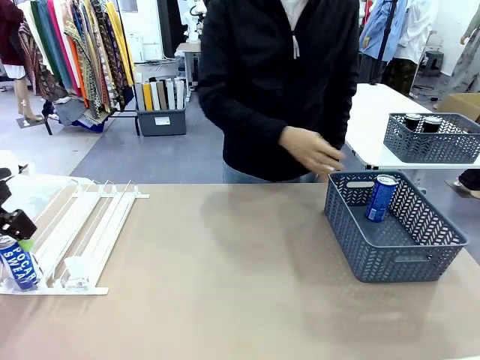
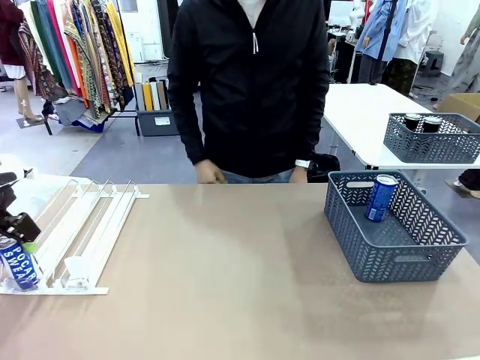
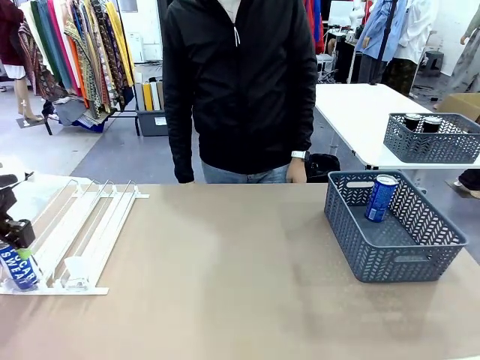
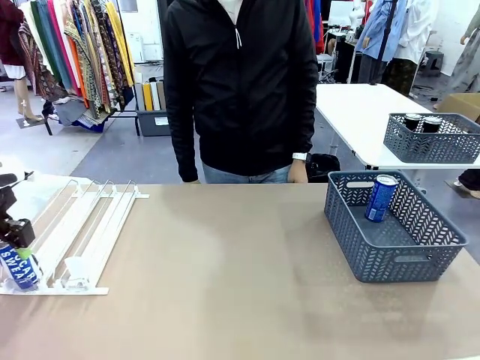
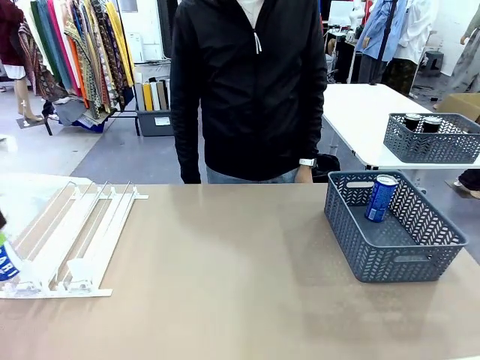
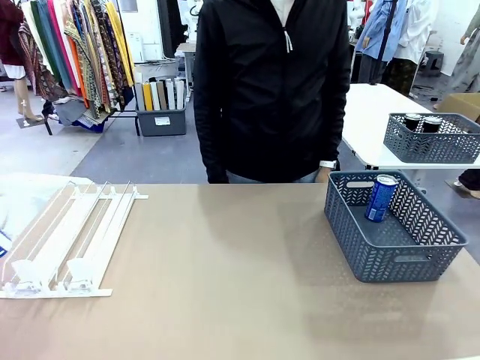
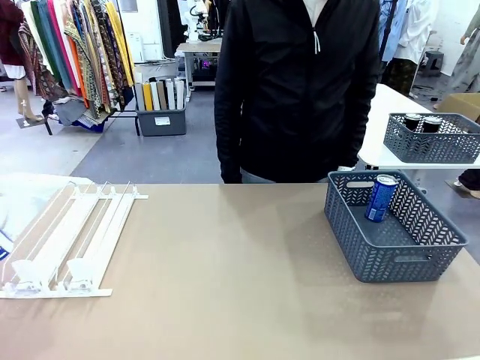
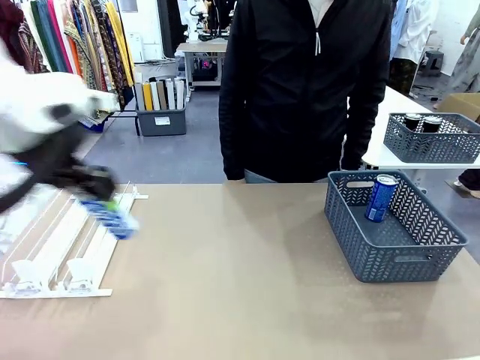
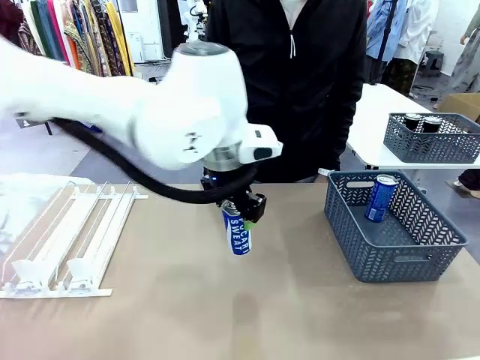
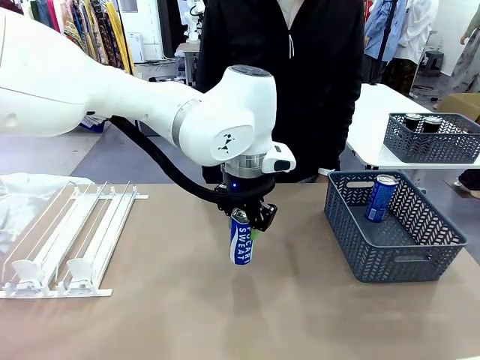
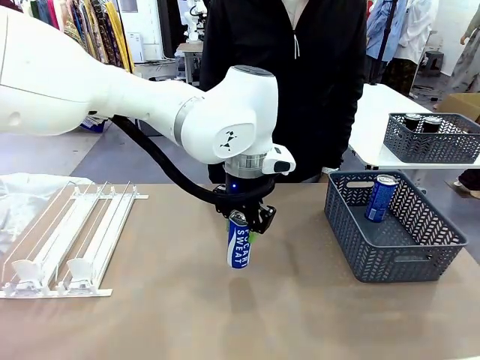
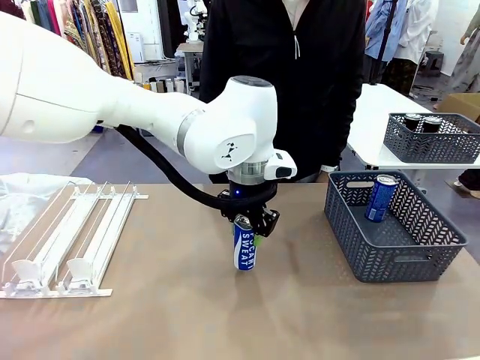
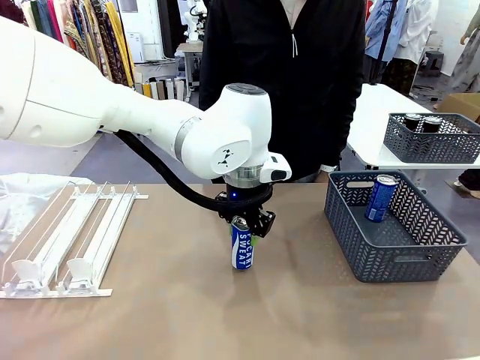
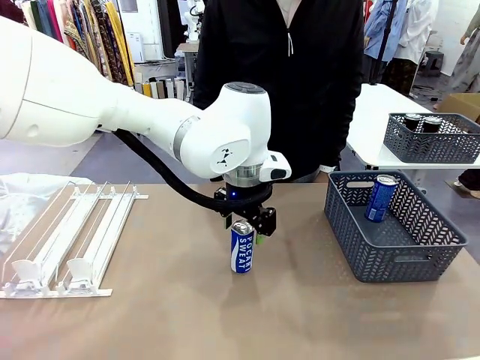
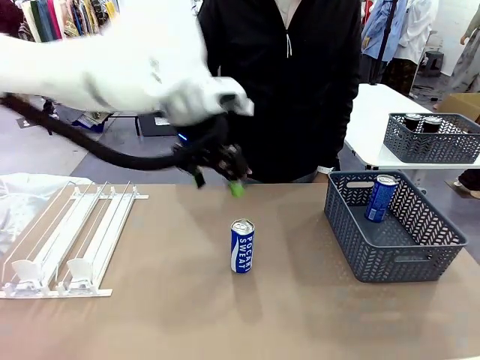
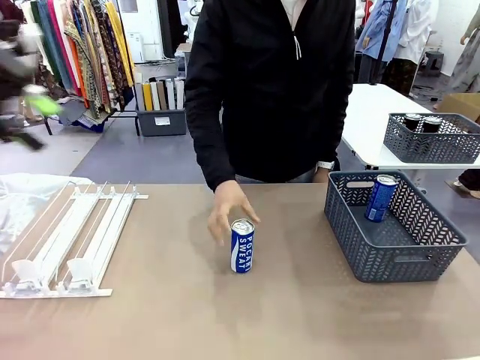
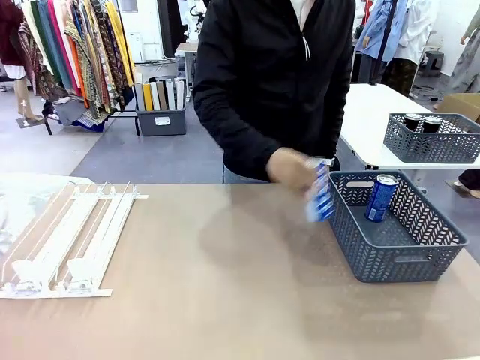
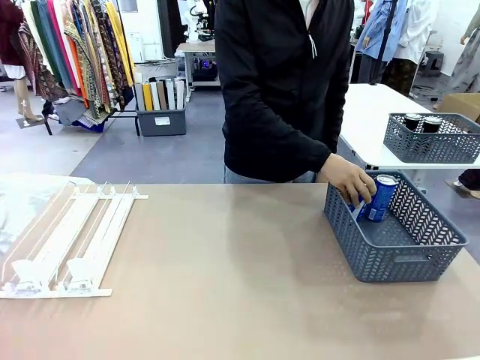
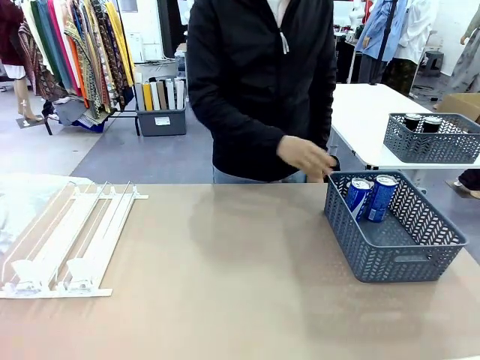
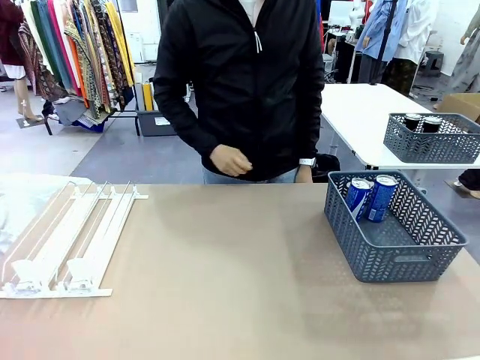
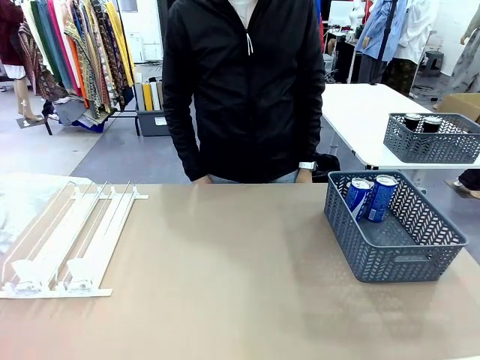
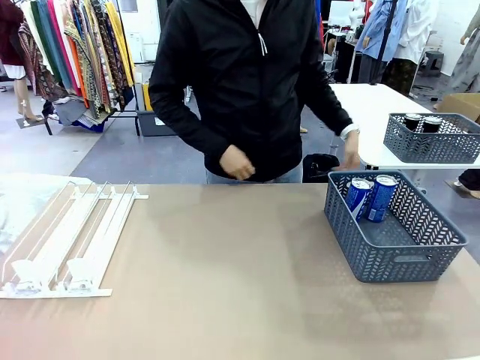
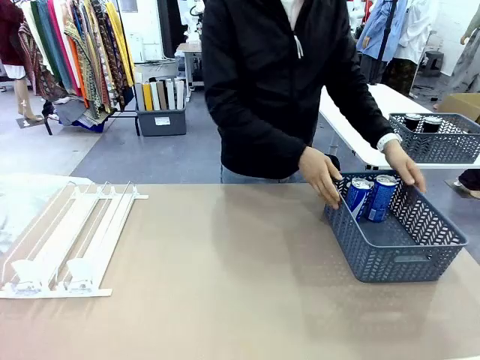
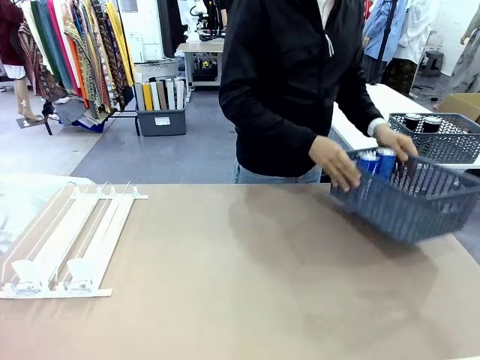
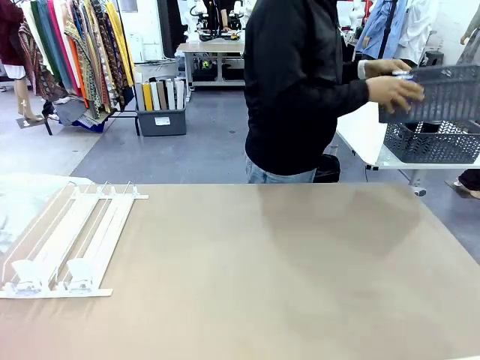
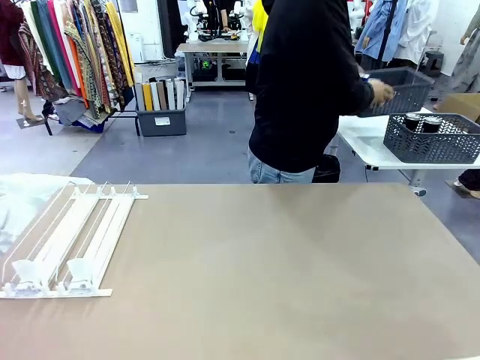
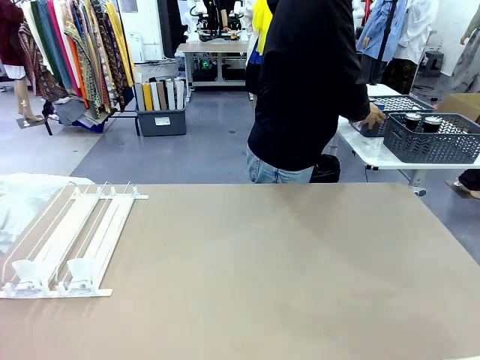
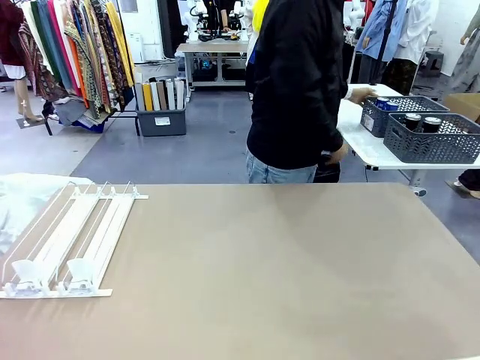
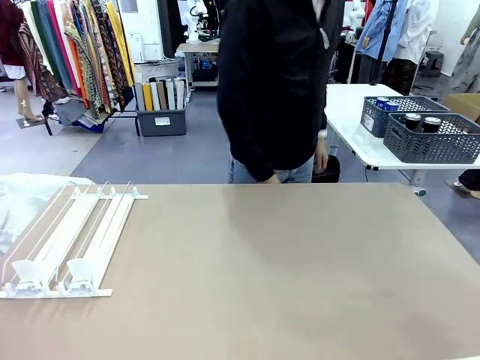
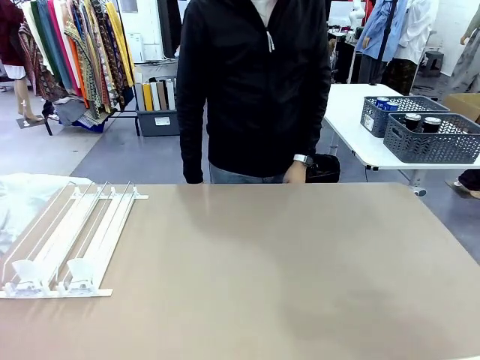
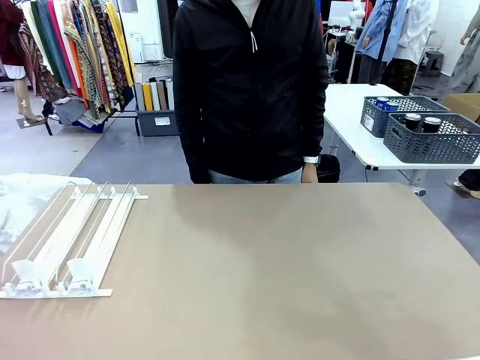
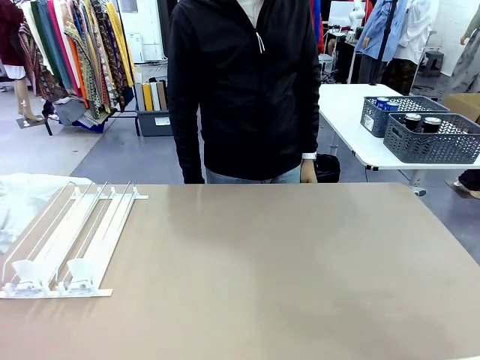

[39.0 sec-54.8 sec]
Task: Retrieve and store the cans from the dispenser.
Robot: Pick up one can from the Automatic Can Dispenser and place it in the middle of the table.
Person: Pick up one sports drink can from the middle of the robot table and place it in the basket. Pick up the basket and place it in the middle of the human table.

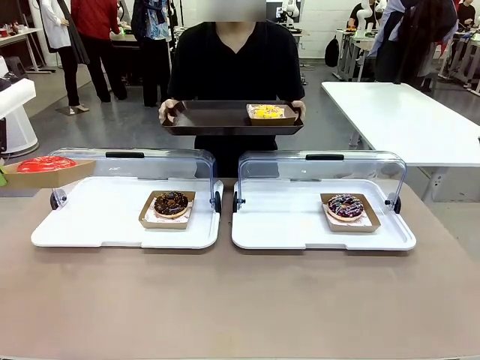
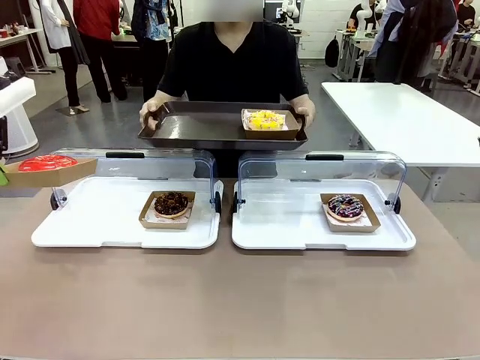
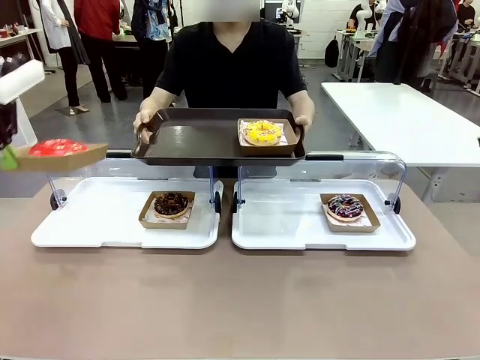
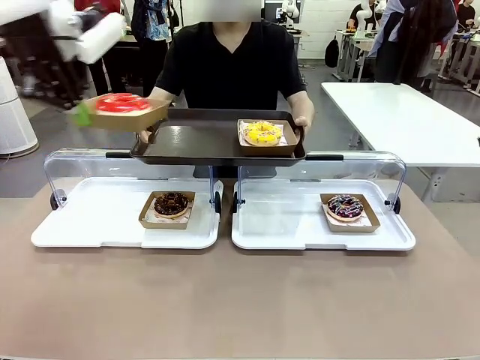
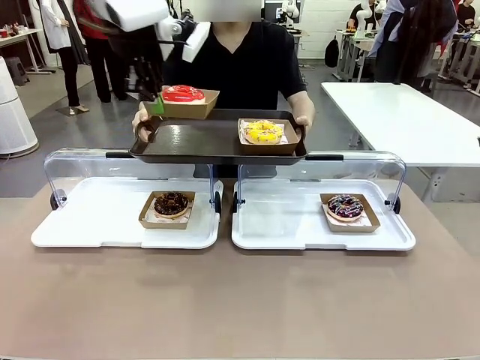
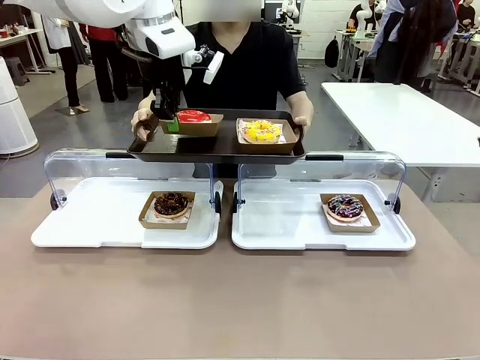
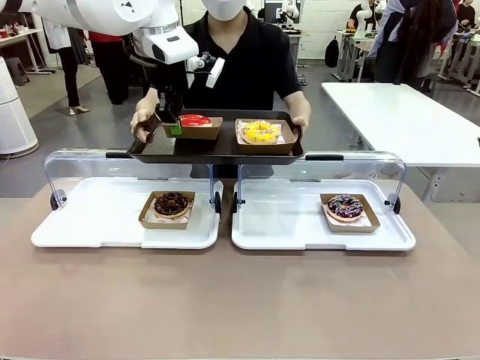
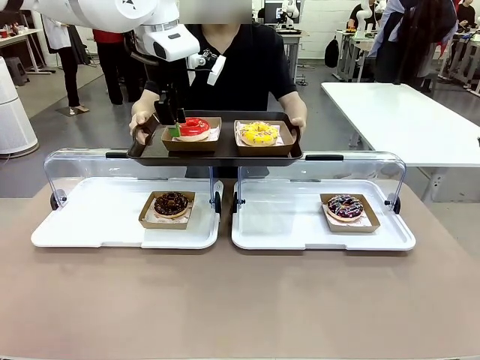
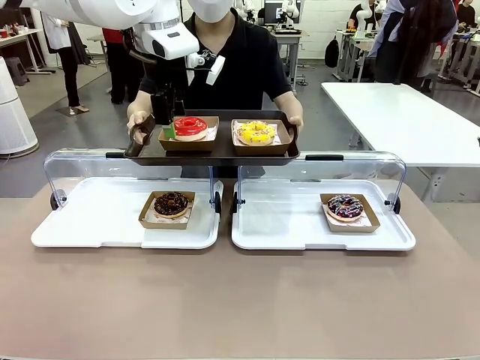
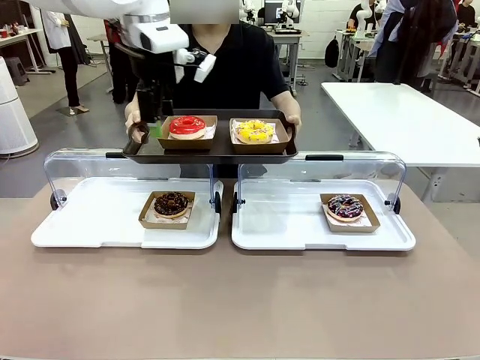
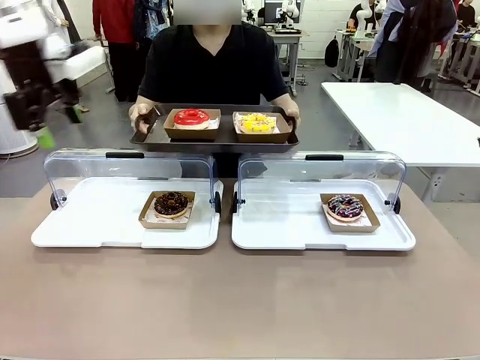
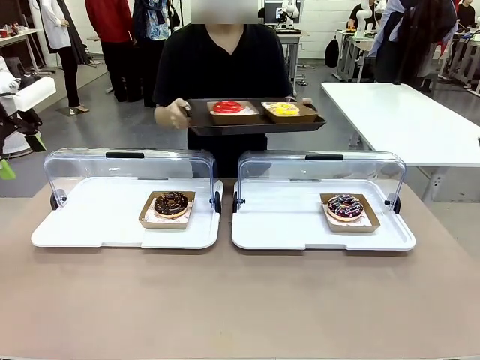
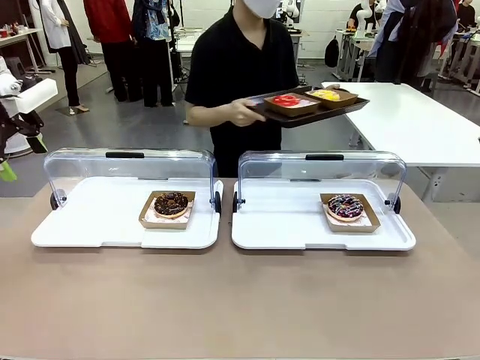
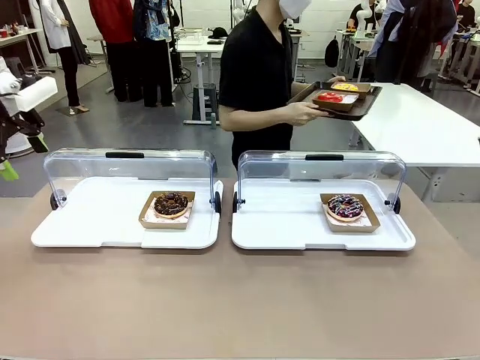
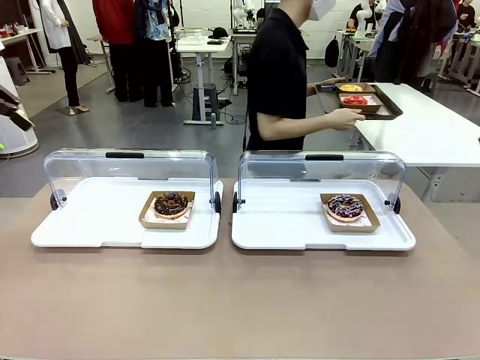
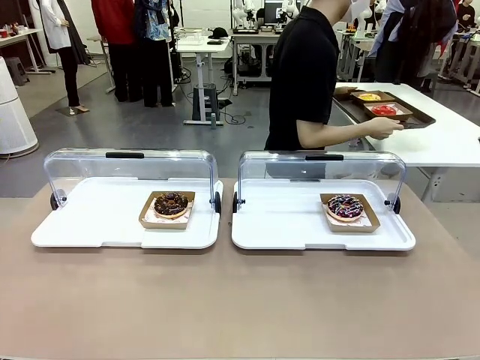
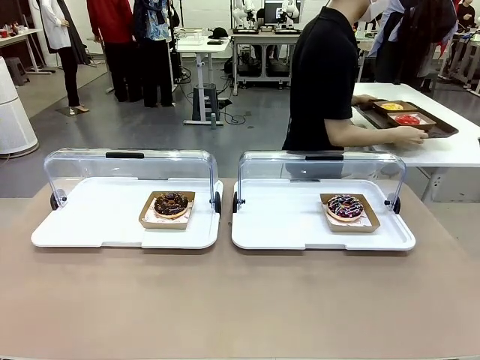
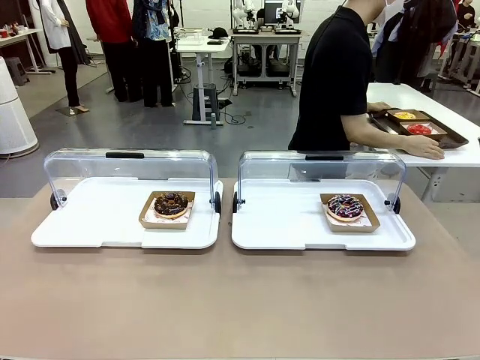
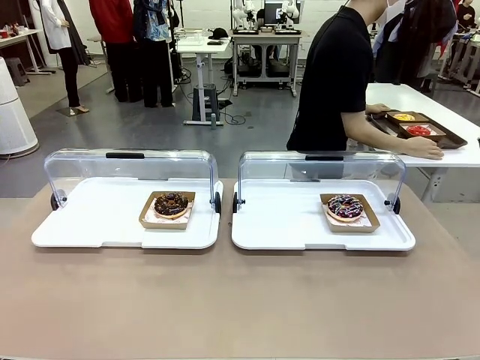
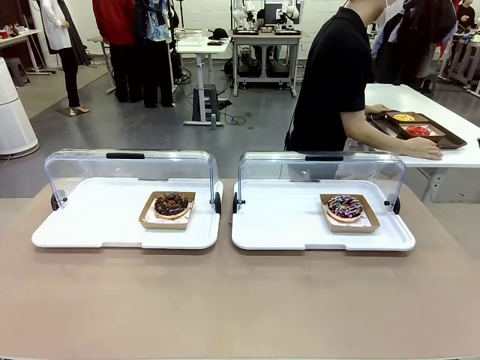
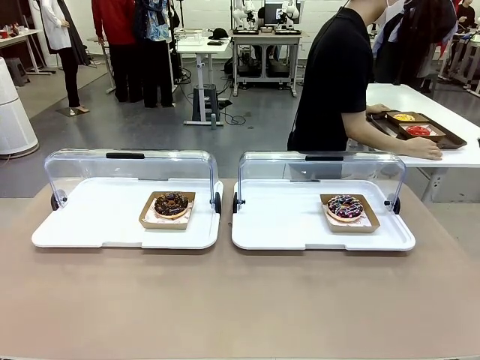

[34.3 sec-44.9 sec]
Task: Provide the desired donut to the person.
Robot: Place the picked Paper togo box onto the Handle tray extended by the person.
Person: Place the tray in the middle of the human table.
